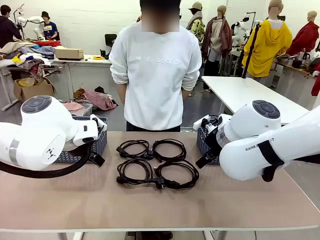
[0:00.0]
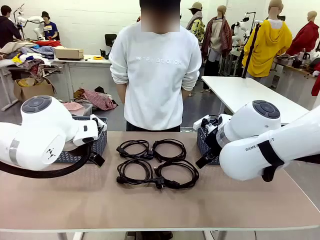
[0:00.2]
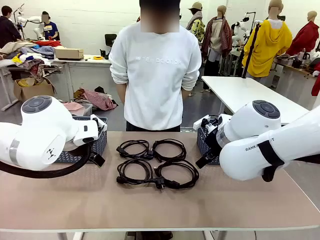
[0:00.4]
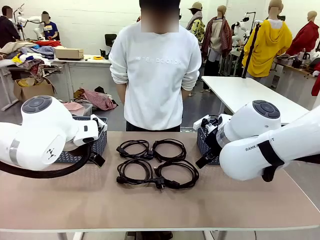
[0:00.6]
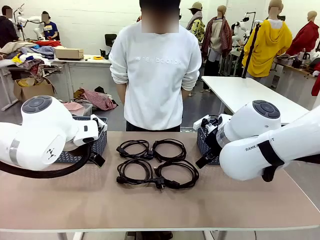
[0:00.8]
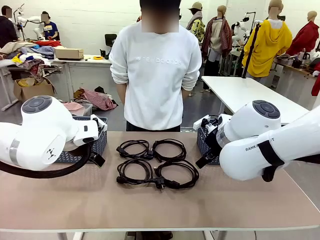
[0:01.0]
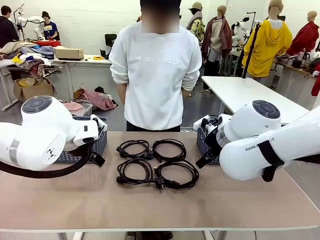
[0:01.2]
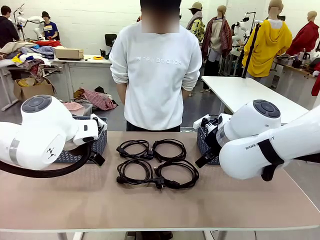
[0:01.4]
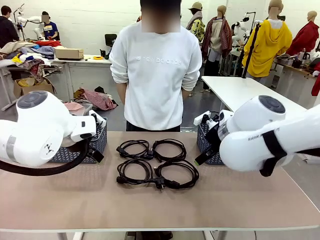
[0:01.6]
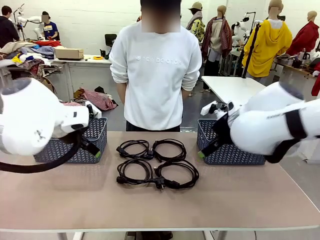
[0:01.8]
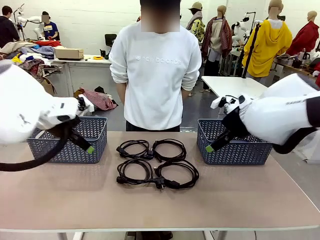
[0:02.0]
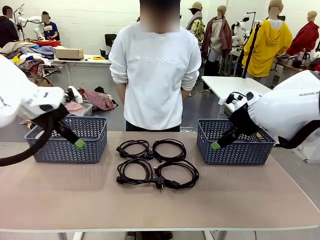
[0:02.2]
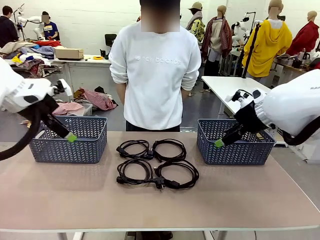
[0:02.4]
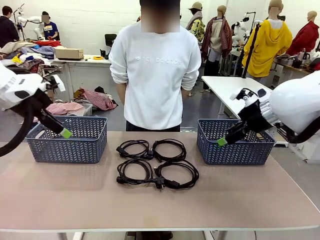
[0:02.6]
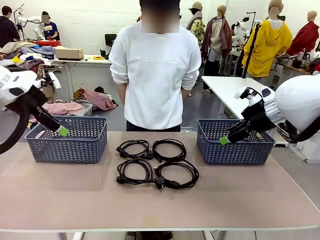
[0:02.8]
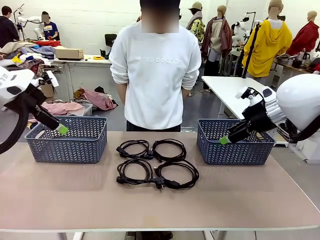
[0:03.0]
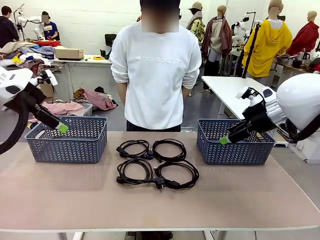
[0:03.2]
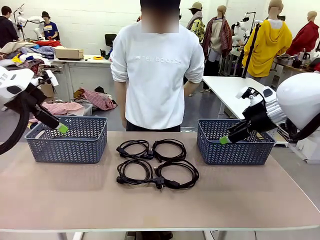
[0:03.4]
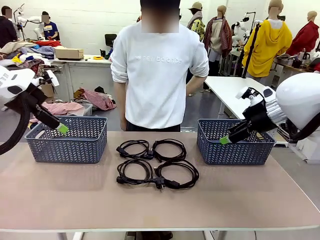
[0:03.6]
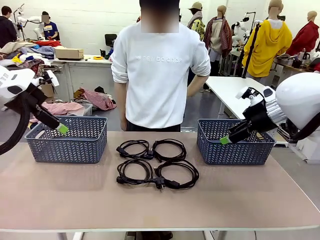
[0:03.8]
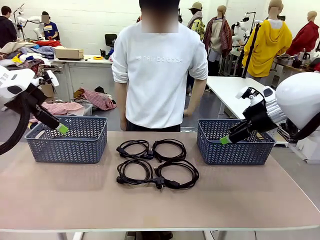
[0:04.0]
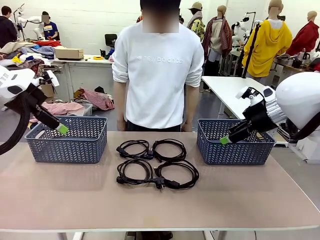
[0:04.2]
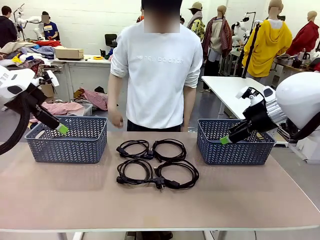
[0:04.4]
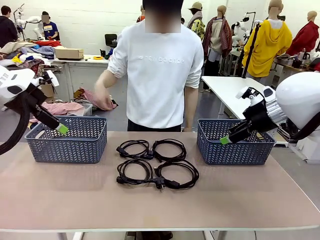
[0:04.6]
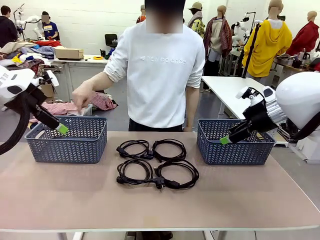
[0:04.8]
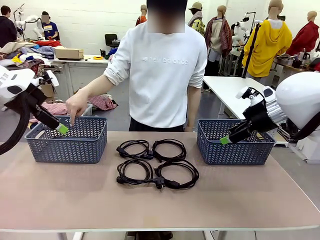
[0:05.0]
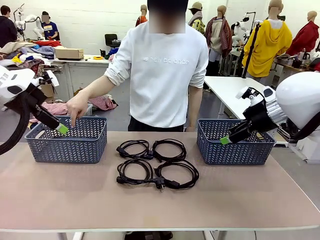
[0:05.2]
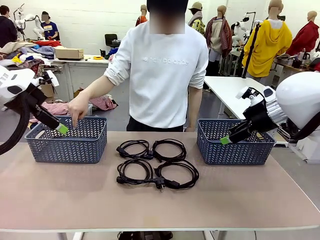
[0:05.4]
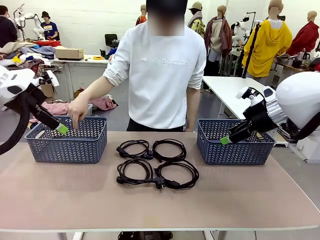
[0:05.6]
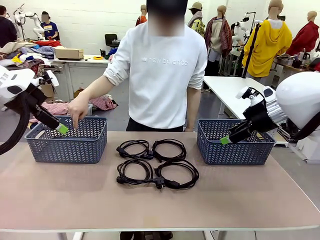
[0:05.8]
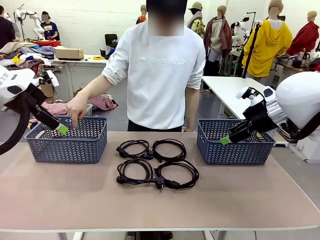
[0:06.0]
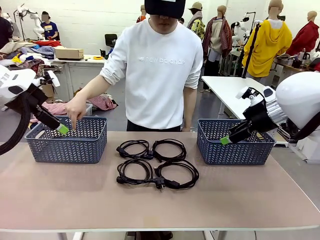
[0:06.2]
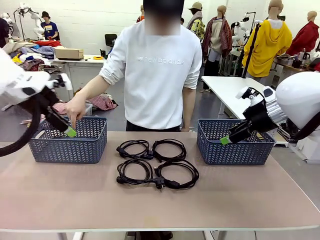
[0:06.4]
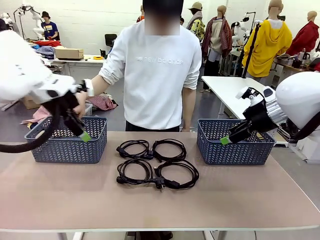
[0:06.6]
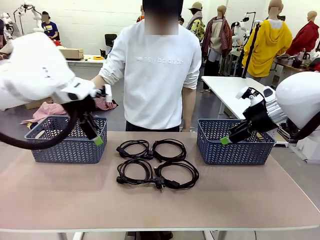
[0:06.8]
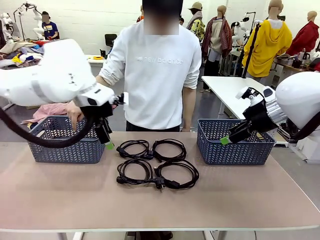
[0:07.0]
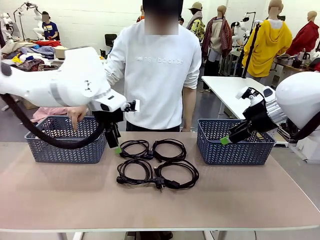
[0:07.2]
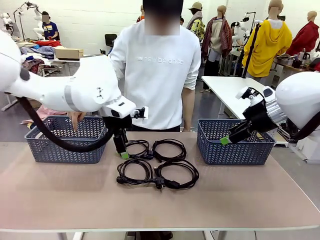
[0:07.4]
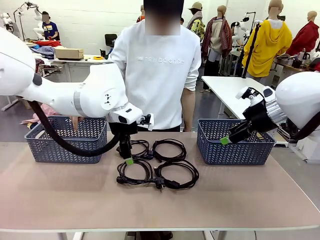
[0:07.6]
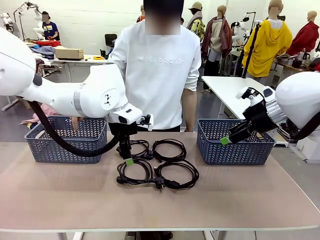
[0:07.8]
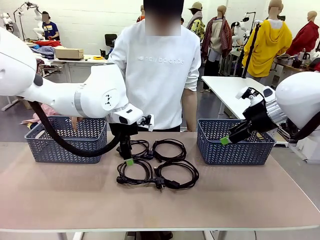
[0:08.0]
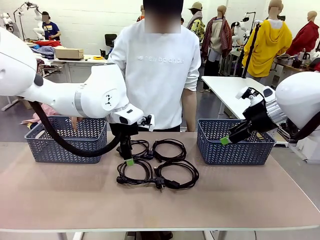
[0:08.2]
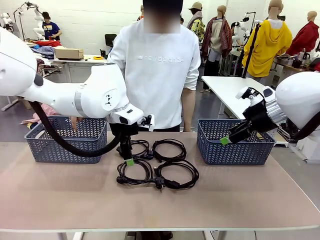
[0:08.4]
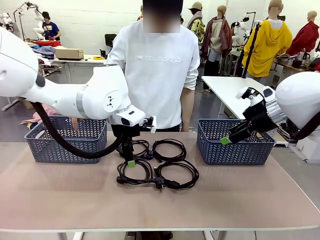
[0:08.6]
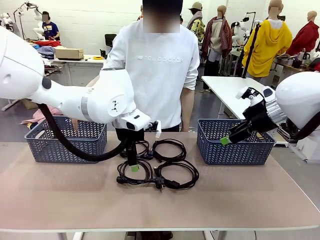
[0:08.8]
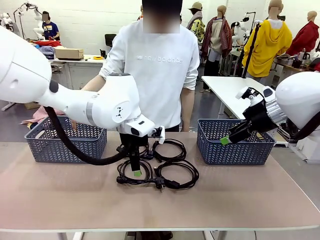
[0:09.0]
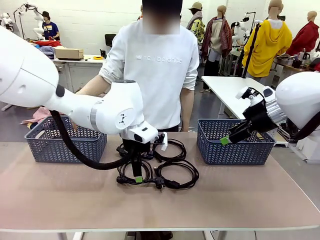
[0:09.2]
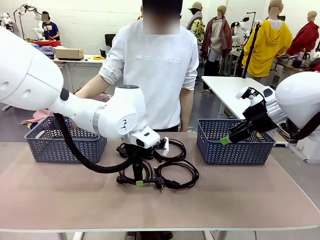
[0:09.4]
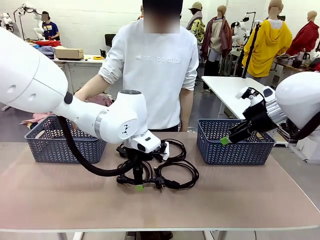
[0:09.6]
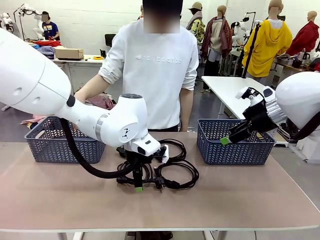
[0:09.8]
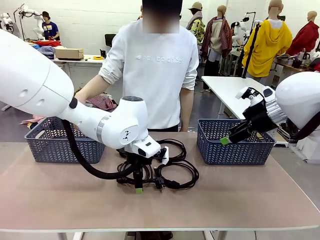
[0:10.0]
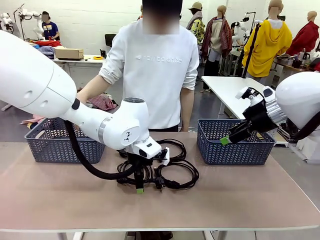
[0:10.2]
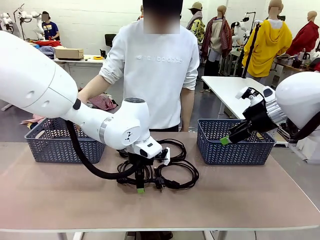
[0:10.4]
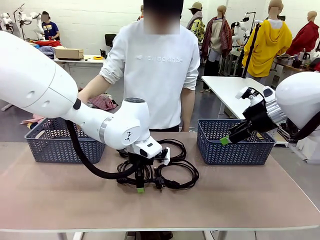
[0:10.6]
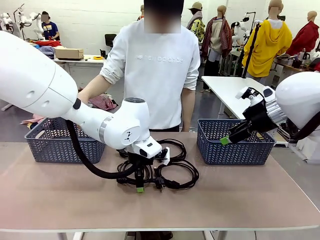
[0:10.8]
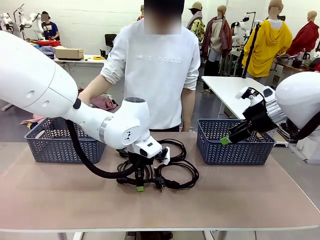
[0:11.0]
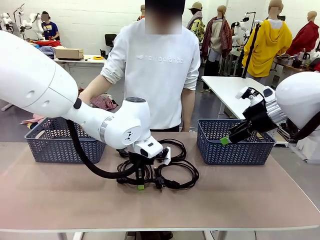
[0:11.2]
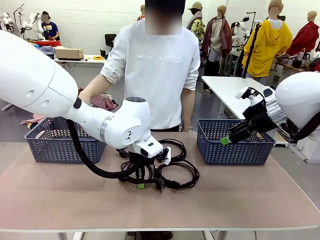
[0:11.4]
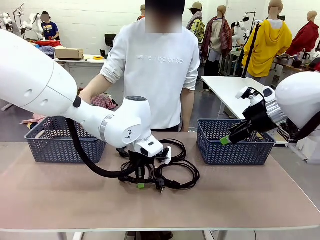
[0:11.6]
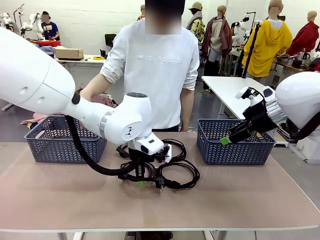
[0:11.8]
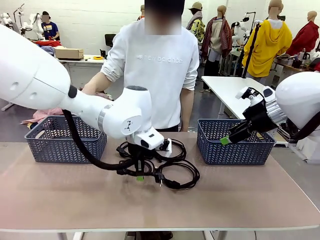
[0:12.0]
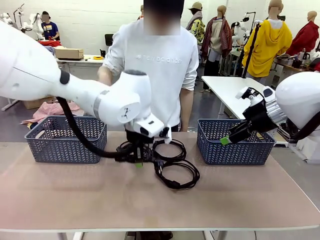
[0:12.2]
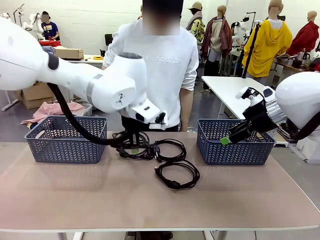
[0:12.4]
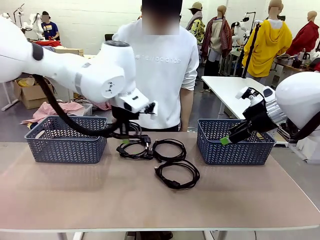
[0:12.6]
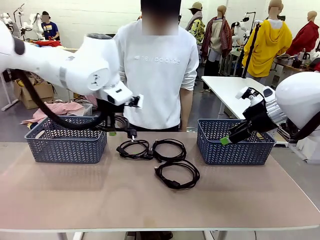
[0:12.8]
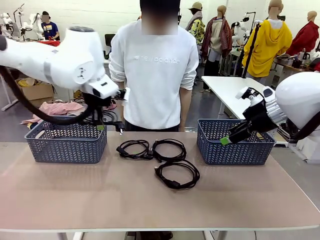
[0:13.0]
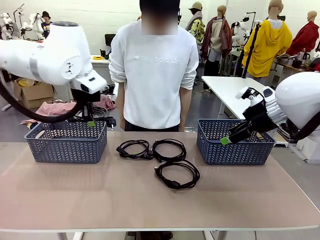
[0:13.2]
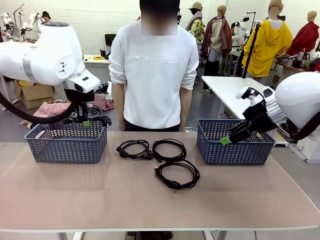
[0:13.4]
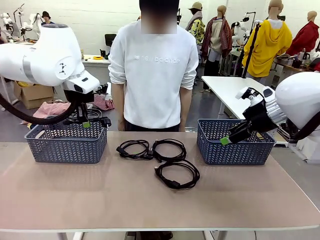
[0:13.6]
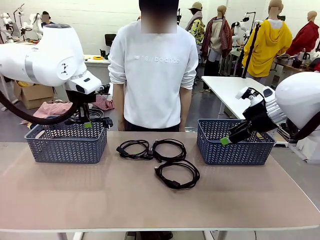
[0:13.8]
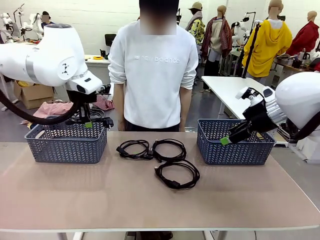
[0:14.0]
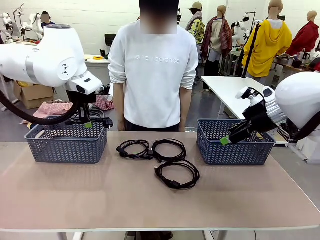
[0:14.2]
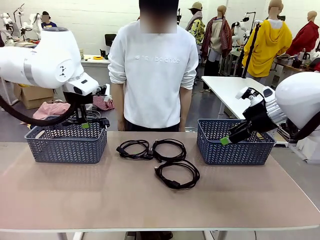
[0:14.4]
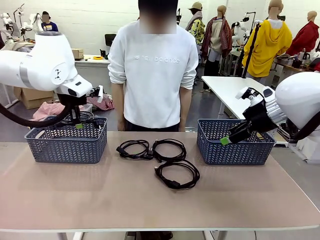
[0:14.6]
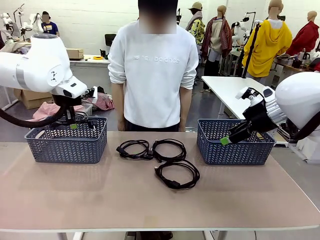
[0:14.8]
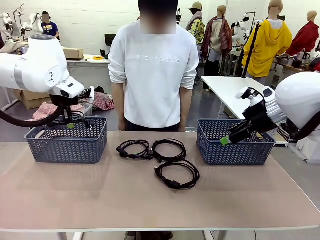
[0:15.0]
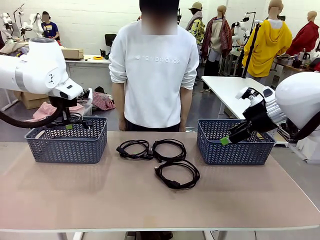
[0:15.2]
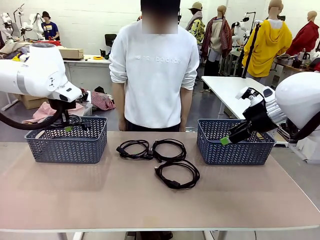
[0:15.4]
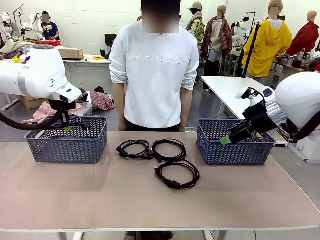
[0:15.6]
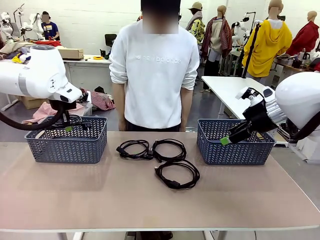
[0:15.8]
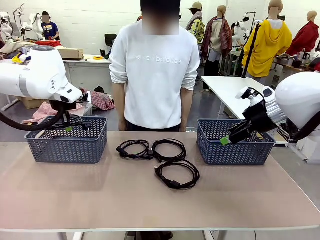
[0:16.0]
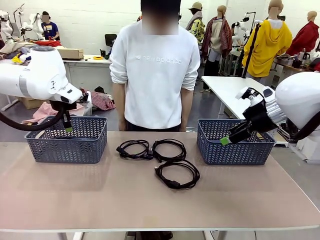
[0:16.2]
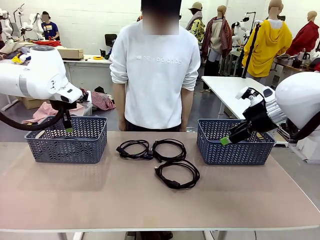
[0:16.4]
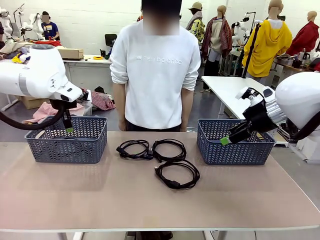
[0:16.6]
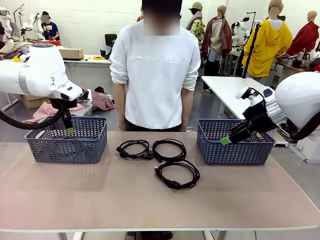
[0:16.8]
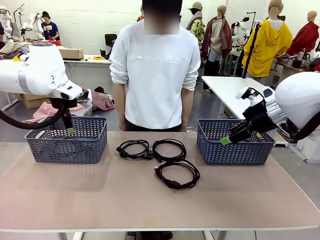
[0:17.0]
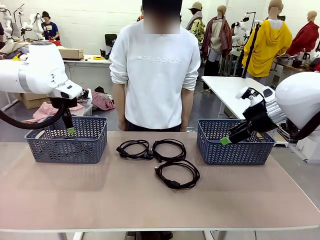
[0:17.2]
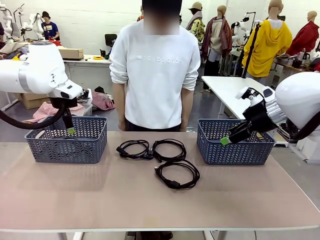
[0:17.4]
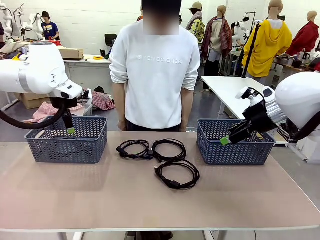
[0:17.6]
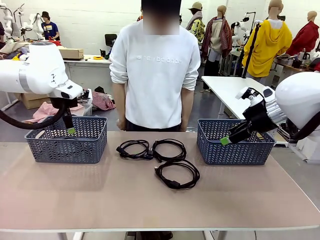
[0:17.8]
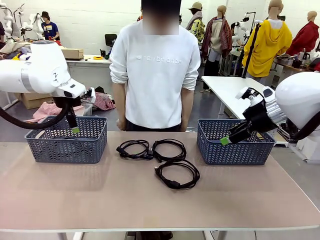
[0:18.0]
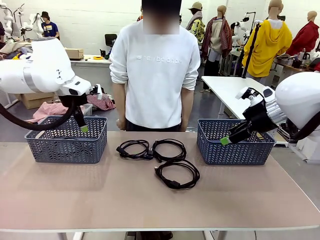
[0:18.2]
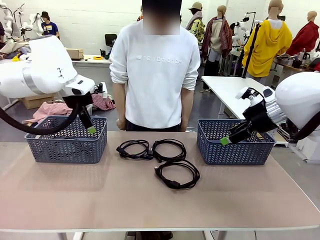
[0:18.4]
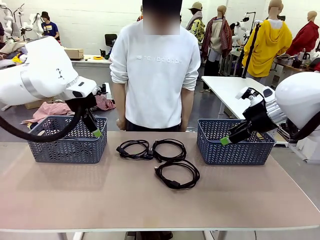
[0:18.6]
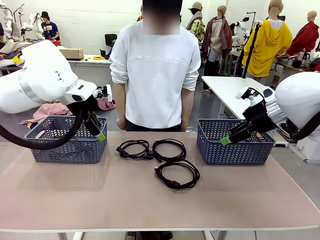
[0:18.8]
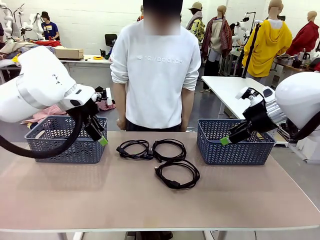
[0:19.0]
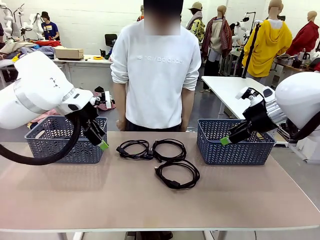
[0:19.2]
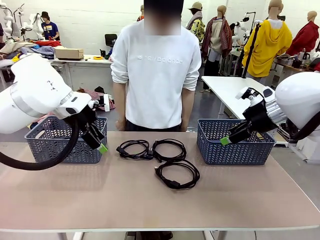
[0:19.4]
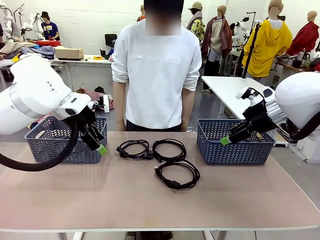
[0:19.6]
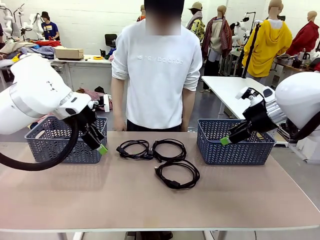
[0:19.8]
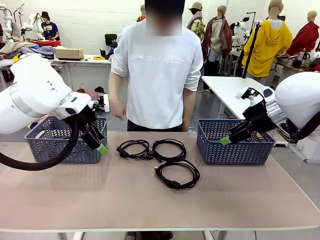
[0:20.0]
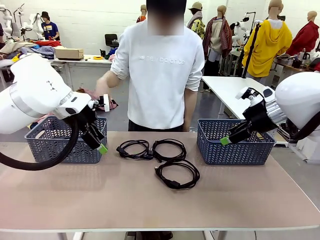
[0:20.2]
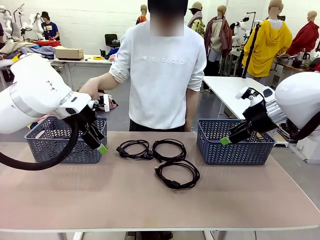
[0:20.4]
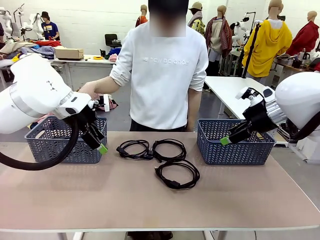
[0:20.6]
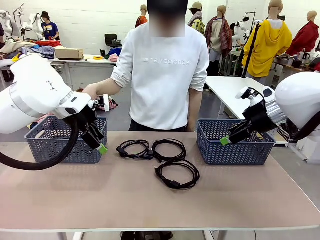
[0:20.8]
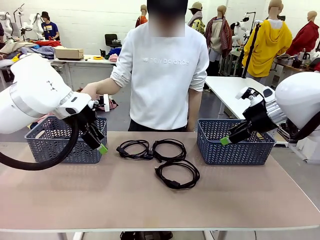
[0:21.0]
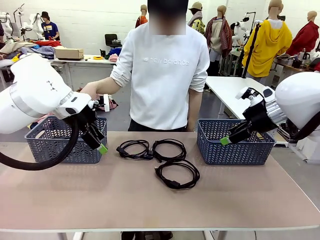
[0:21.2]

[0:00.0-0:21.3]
Task: Organize the cables according to human instructions.
Robot: Pick up a bundle of cables and place it in the basket indicated by the human.
